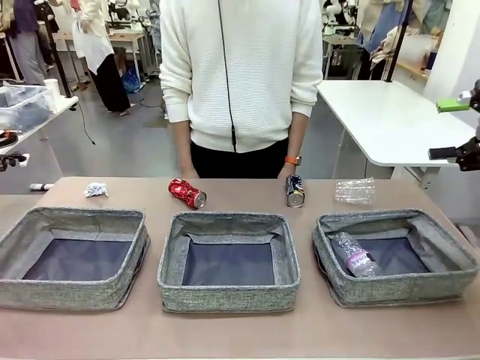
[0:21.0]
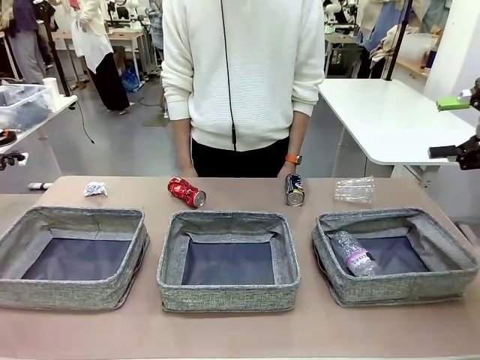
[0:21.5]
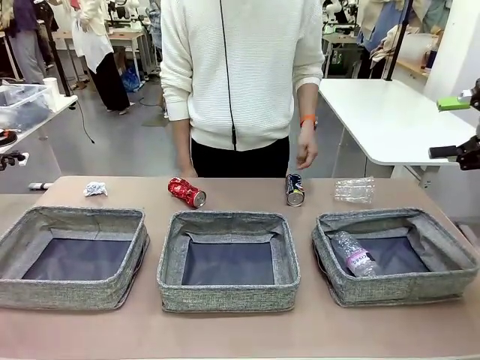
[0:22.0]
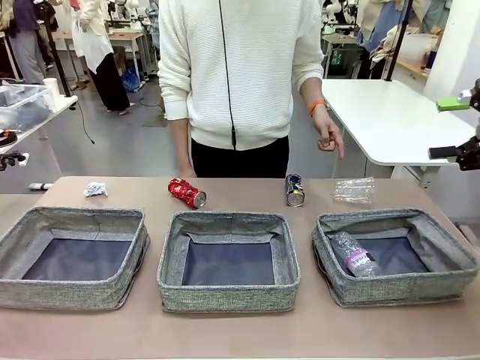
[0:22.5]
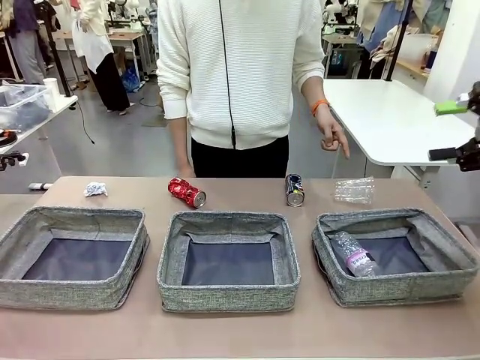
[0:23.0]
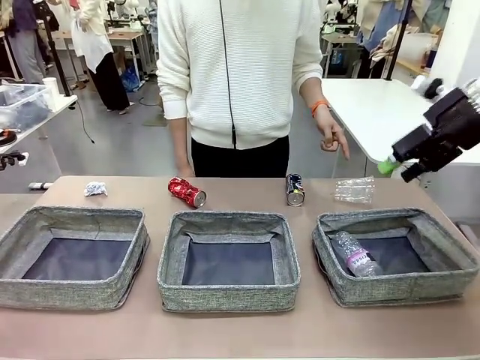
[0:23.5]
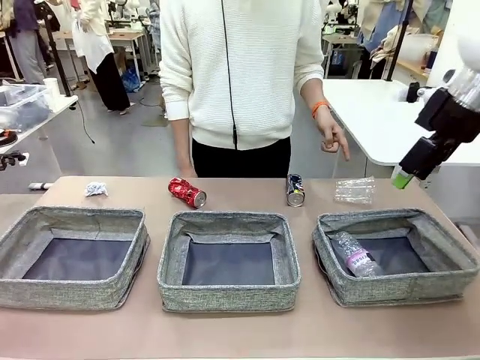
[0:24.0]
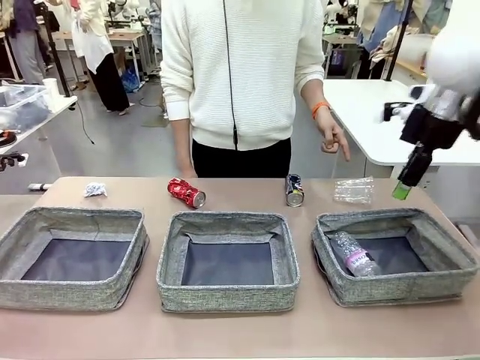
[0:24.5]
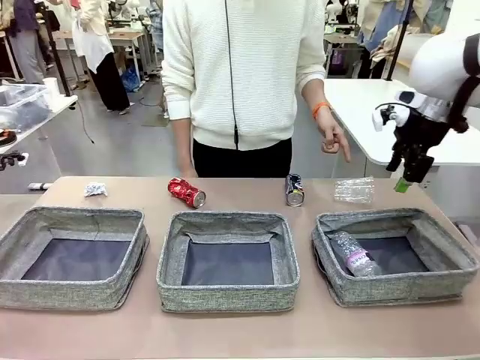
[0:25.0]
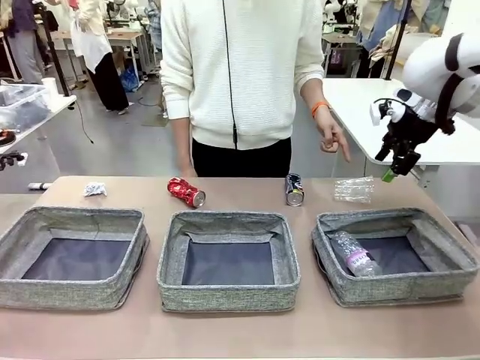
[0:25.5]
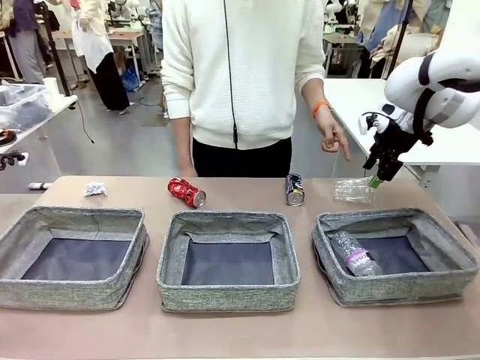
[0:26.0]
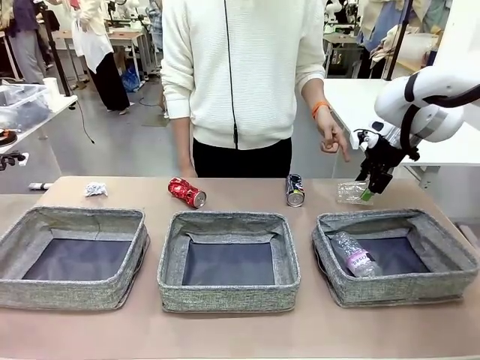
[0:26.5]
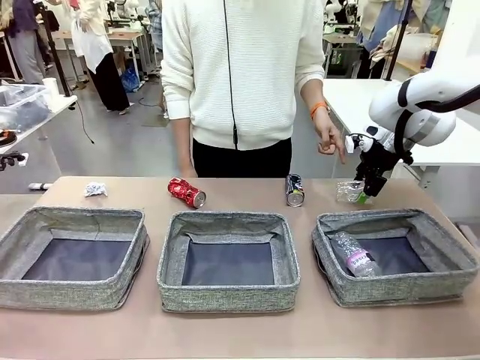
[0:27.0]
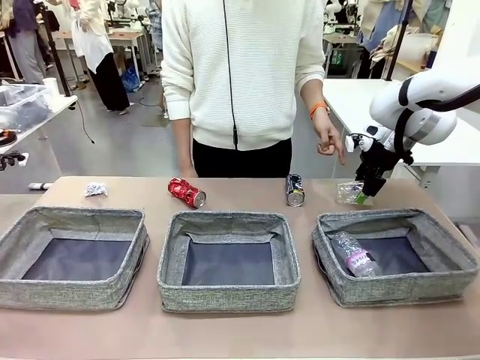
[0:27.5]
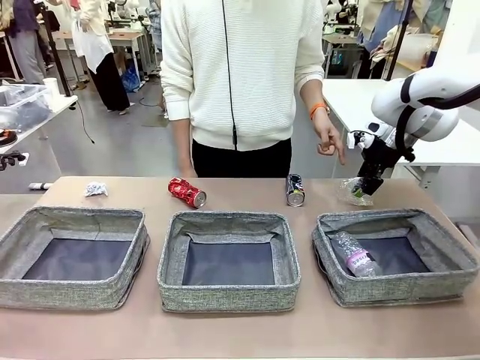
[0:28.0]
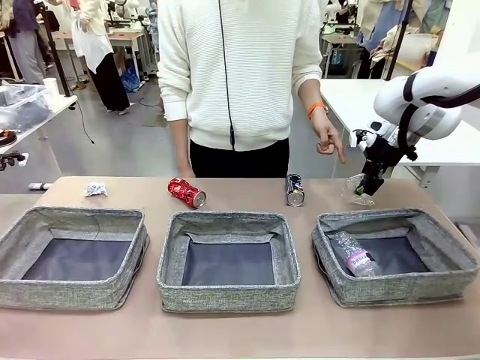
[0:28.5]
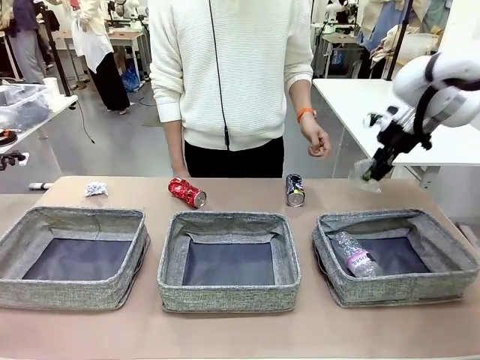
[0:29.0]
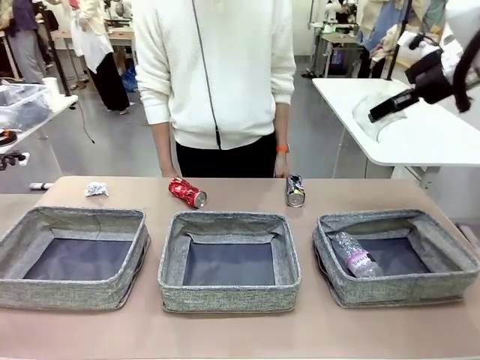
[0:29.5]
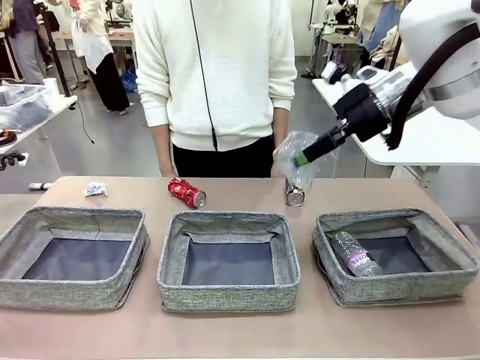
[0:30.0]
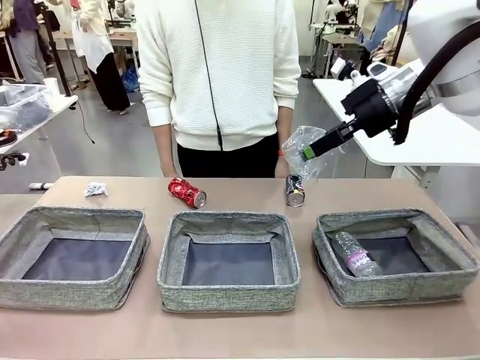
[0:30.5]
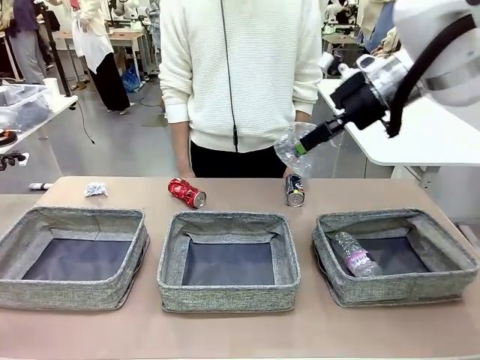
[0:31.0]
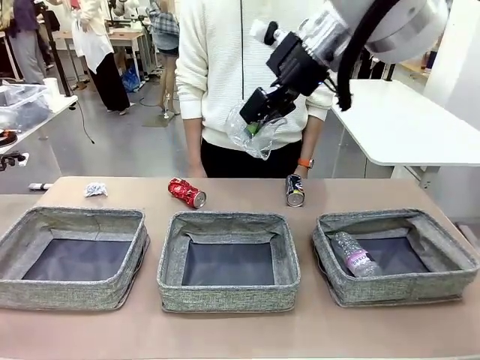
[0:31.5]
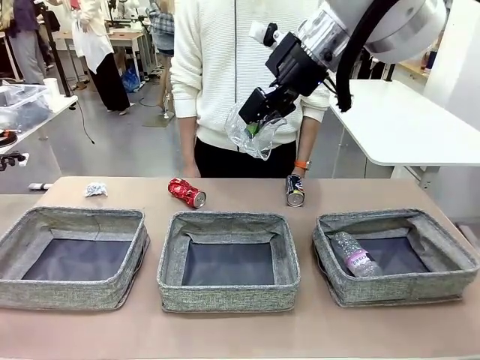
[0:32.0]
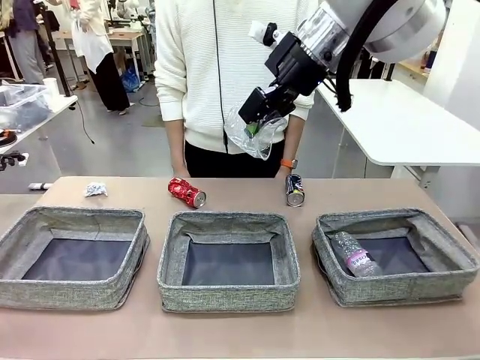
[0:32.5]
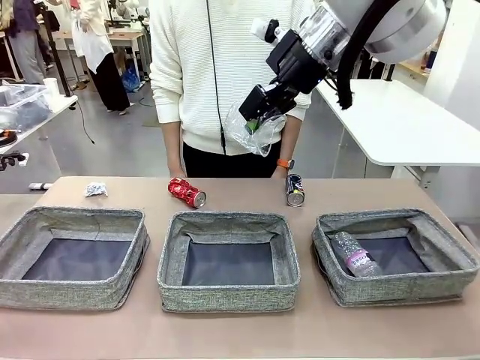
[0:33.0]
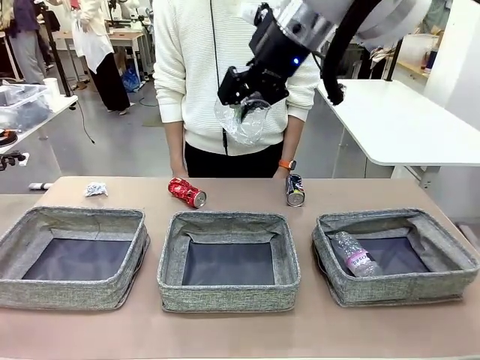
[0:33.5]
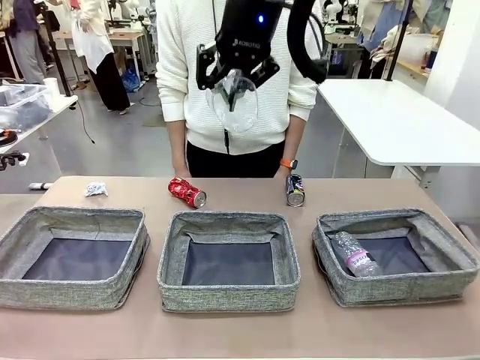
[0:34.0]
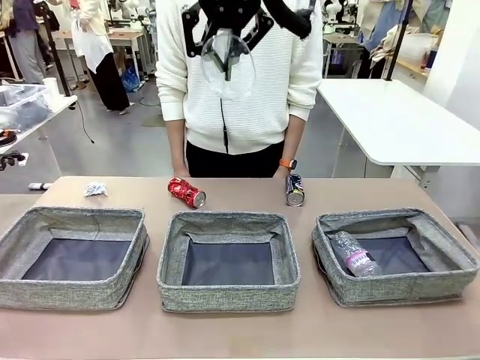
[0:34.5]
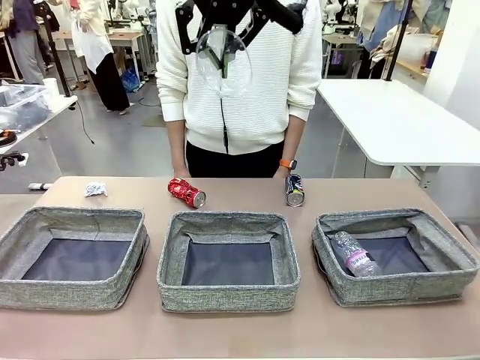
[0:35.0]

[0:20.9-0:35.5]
Task: Sort the waste into the appropriate baskets.
Robot: Pick up the waste item pointed out by the person.
Person: Points to one piece of trash on the table.

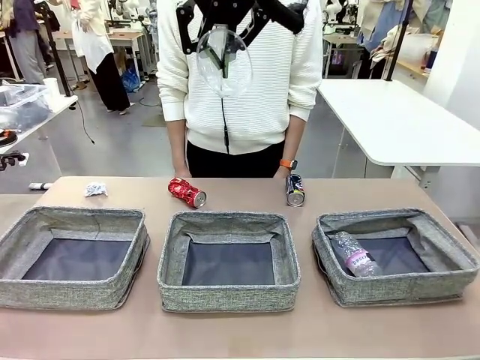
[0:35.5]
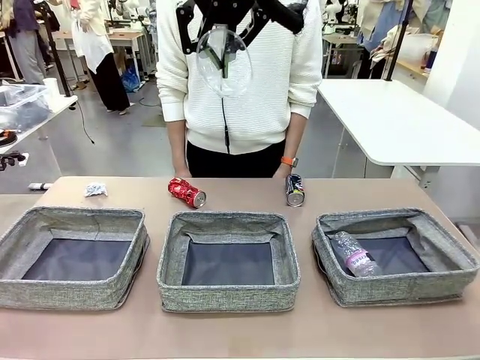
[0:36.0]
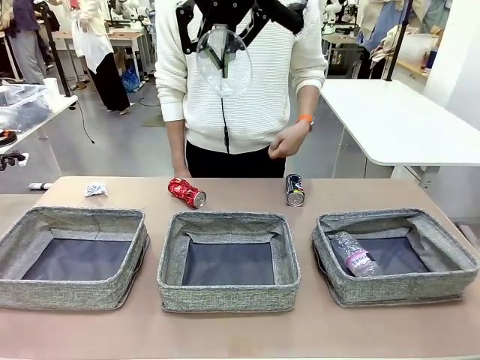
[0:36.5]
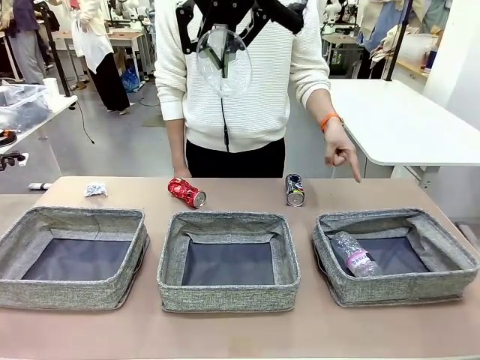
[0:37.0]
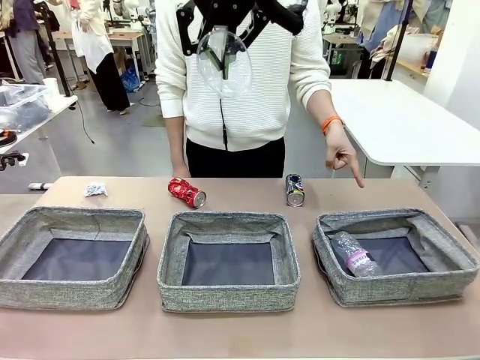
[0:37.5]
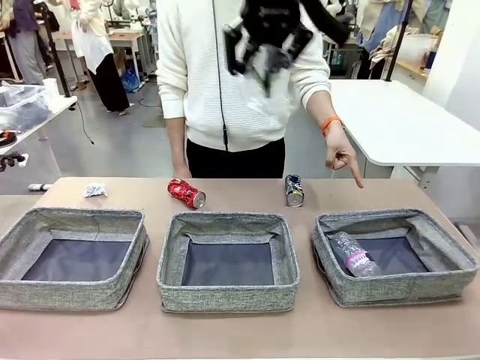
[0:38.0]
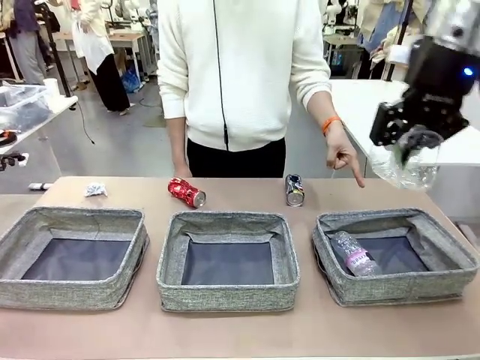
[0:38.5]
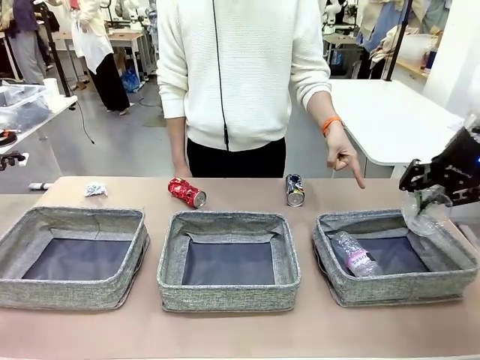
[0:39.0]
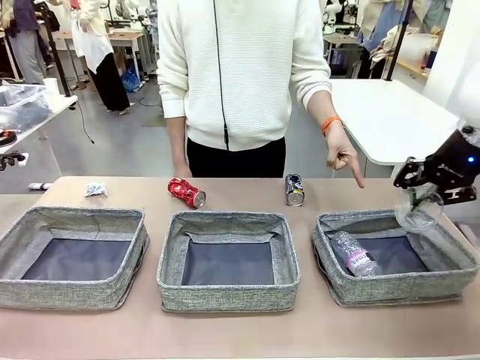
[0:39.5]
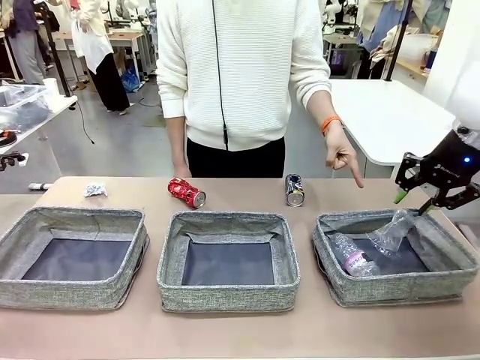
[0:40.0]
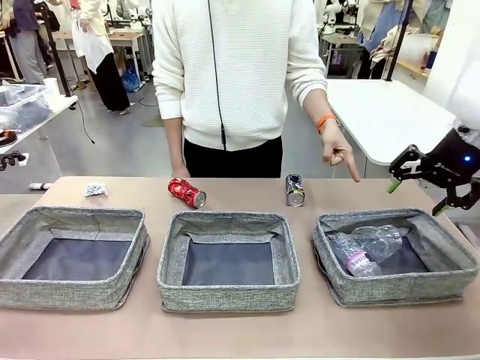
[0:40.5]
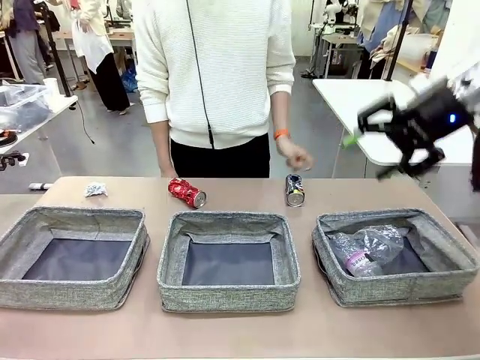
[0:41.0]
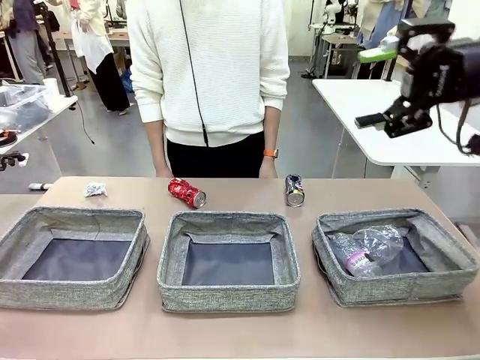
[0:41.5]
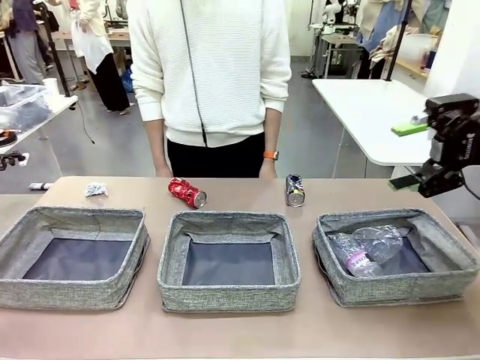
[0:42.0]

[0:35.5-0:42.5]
Robot: Place the picked waste into the Fabric basket indicated by the person.
Person: Instructs the robot to place the picked-up trash into the appropriate organizing basket.

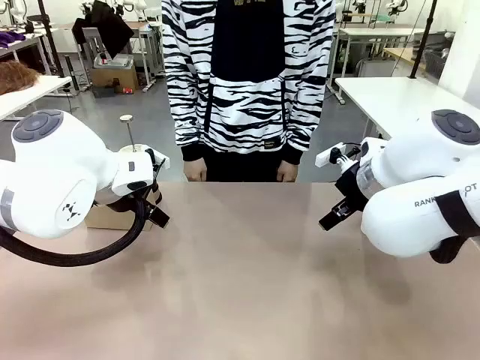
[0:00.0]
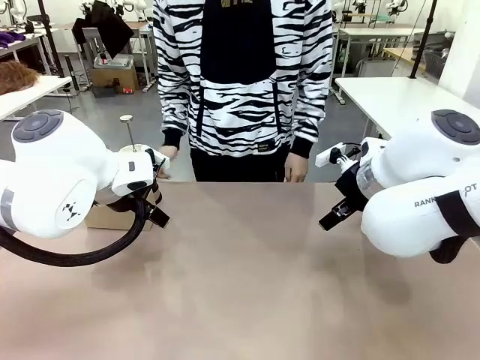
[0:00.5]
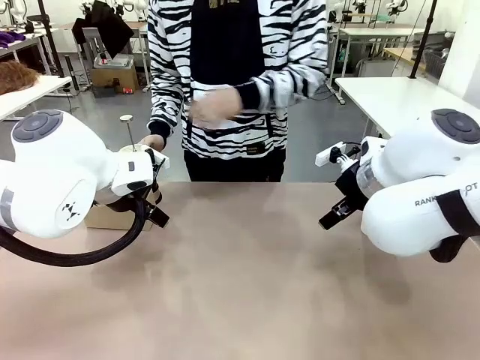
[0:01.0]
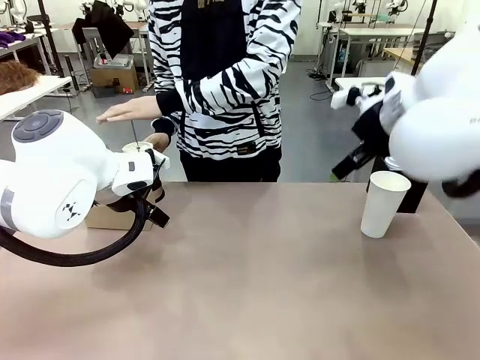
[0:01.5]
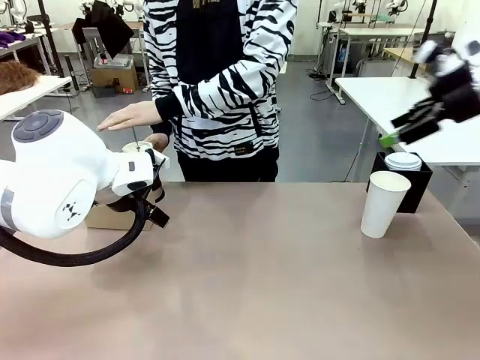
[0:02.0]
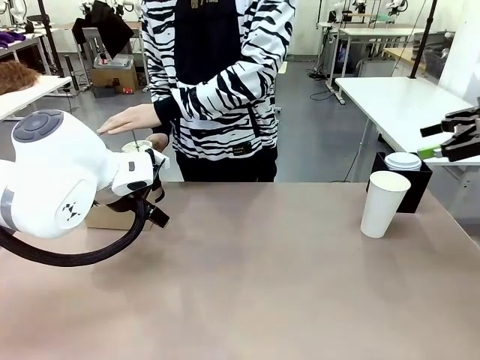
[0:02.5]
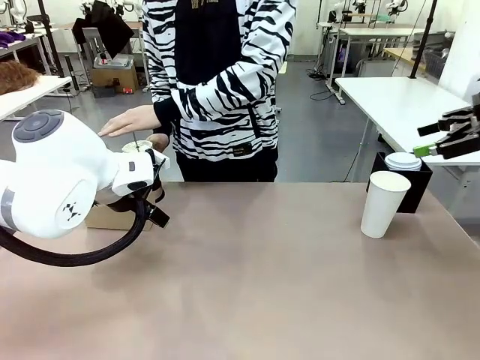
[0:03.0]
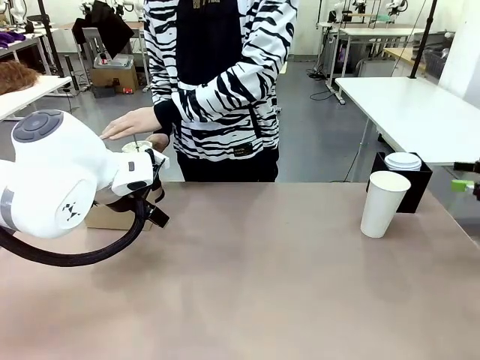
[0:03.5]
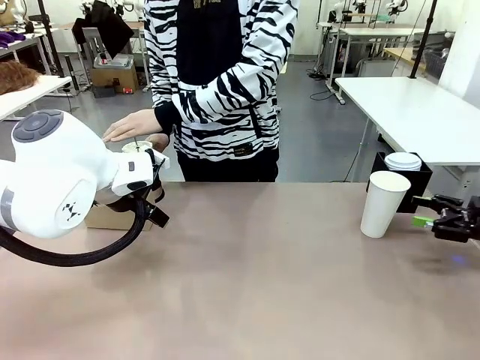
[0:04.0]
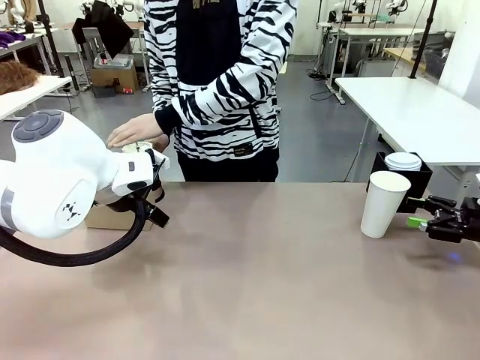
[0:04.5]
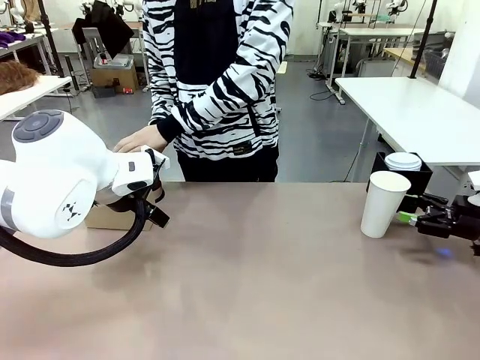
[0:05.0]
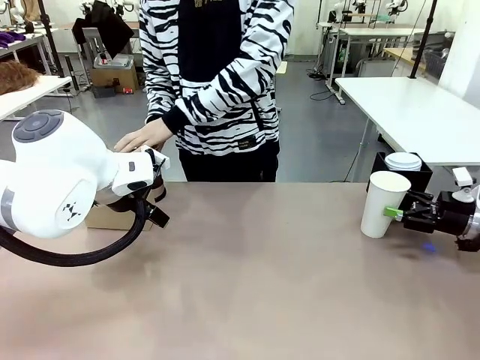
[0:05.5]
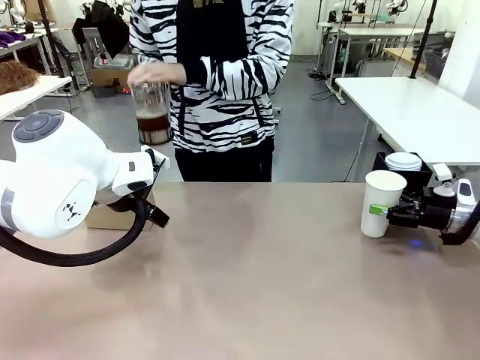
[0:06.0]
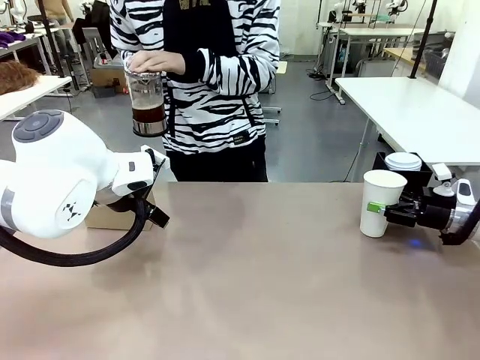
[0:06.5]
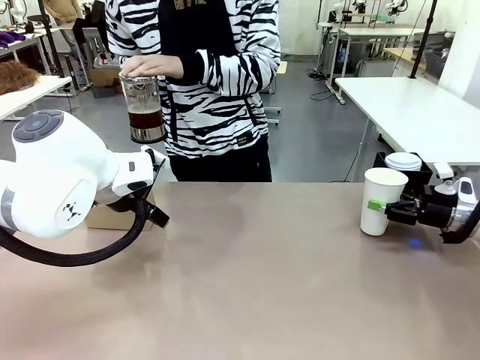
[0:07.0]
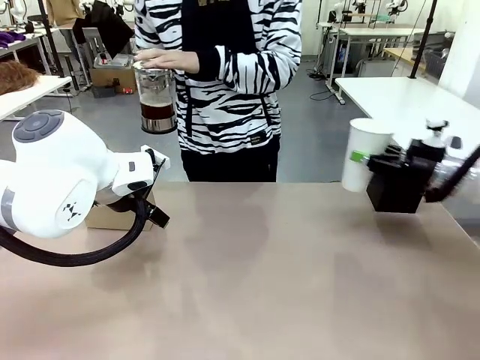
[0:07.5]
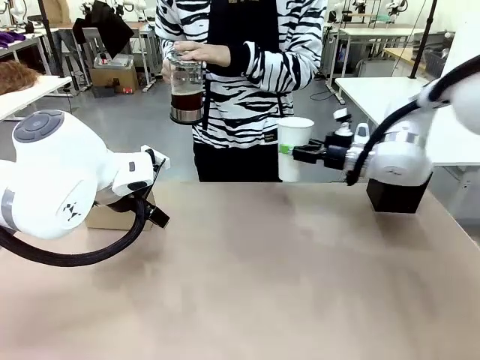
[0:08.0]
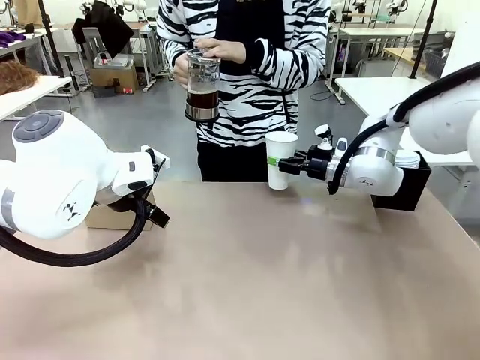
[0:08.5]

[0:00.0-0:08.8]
Task: Pour a drink into a cup and package it in a carrier.
Robot: Pick up the 600 ml Paper Cup and place it in the middle top area of the table.
Person: Press and pick up the Filter Brewing.
